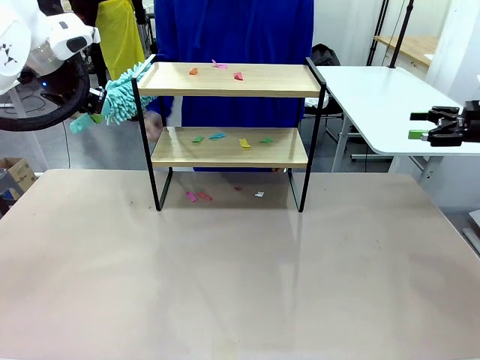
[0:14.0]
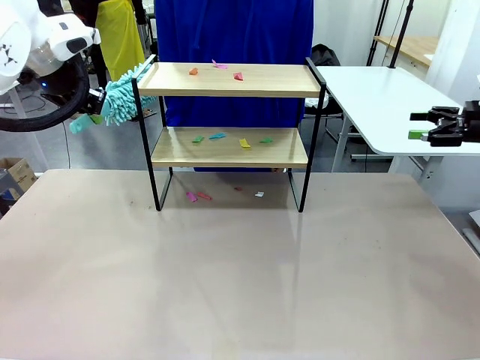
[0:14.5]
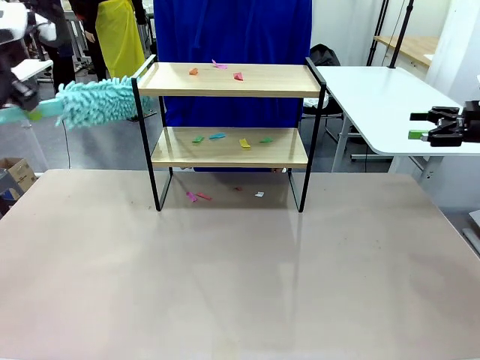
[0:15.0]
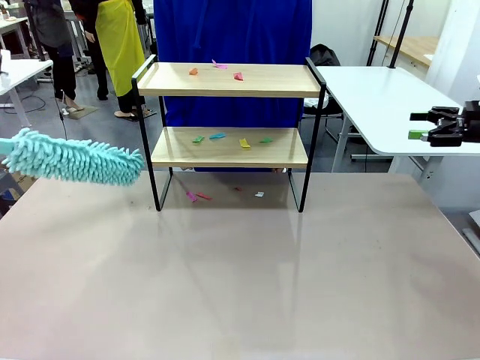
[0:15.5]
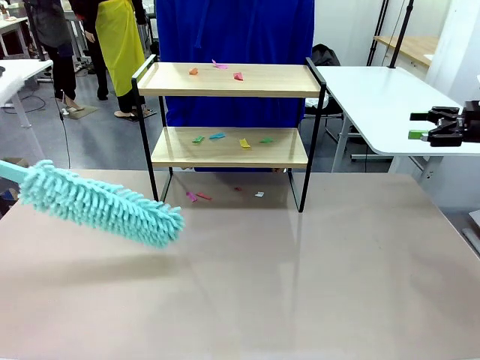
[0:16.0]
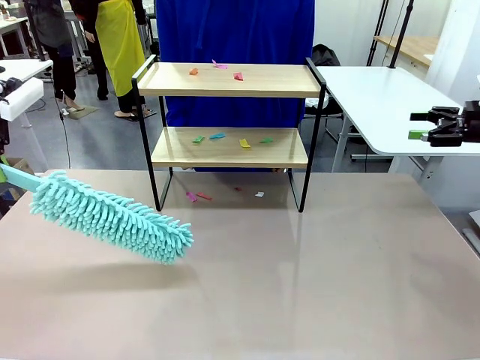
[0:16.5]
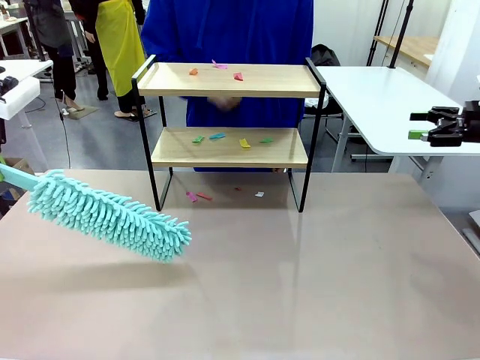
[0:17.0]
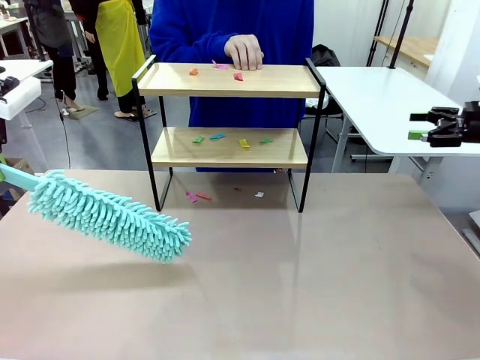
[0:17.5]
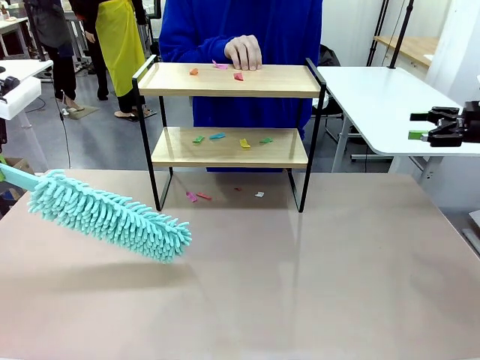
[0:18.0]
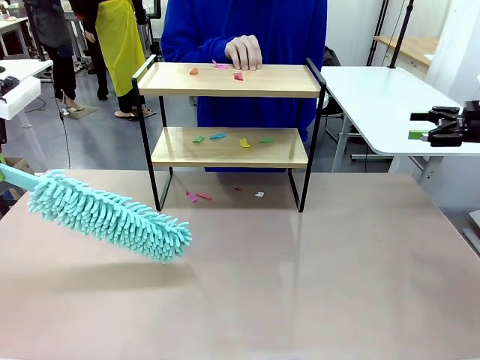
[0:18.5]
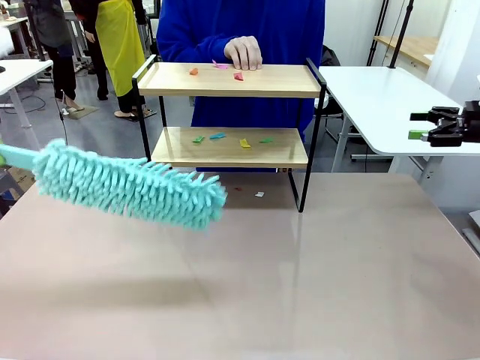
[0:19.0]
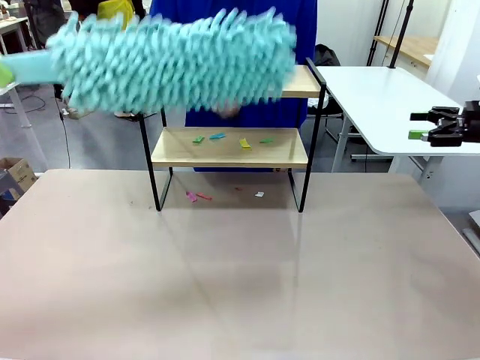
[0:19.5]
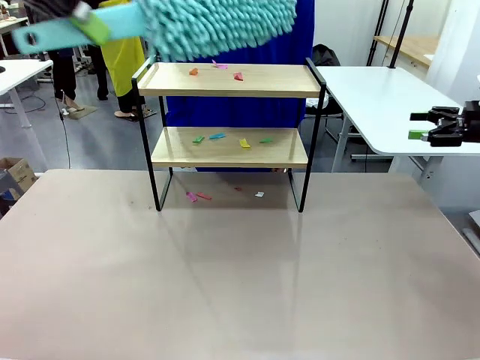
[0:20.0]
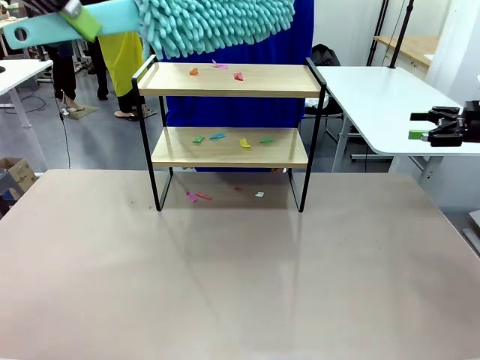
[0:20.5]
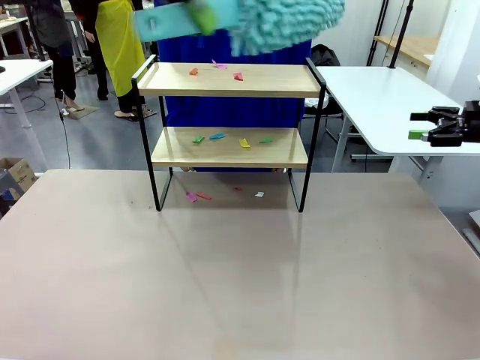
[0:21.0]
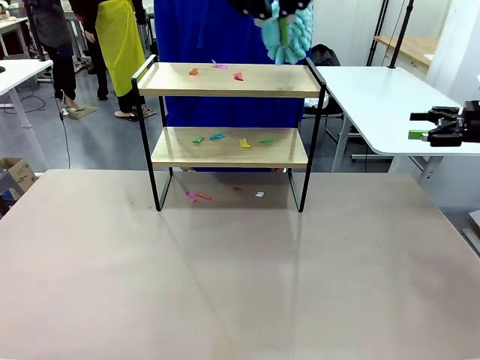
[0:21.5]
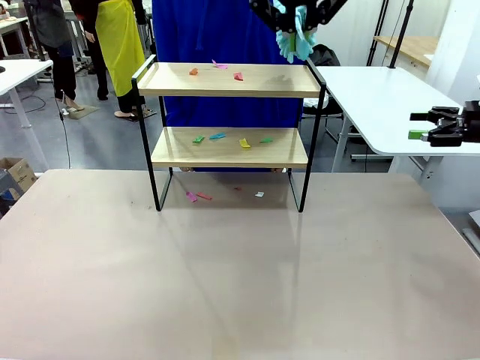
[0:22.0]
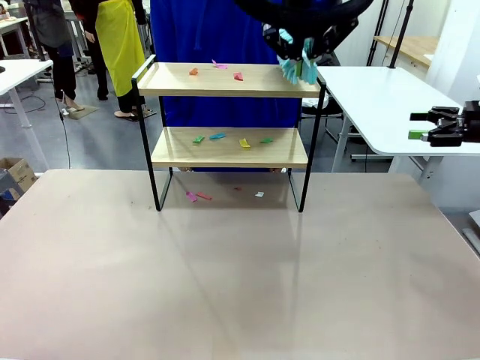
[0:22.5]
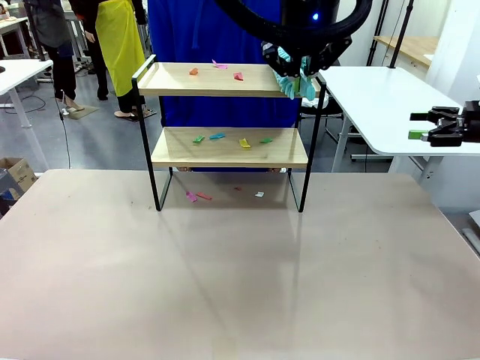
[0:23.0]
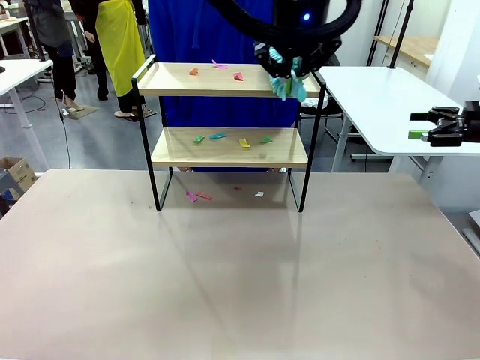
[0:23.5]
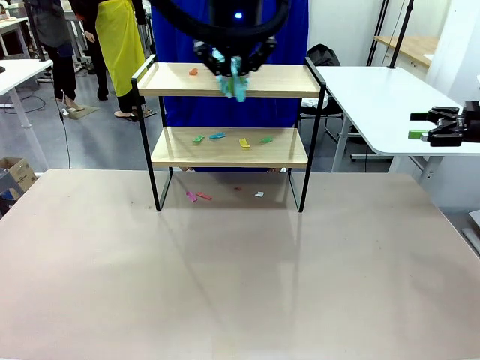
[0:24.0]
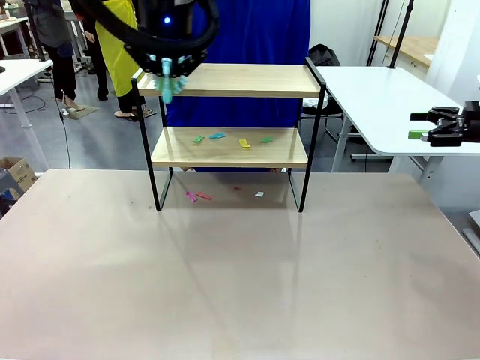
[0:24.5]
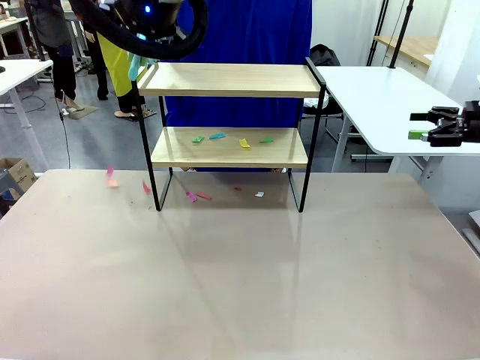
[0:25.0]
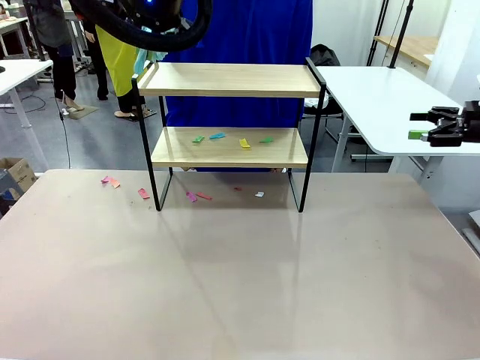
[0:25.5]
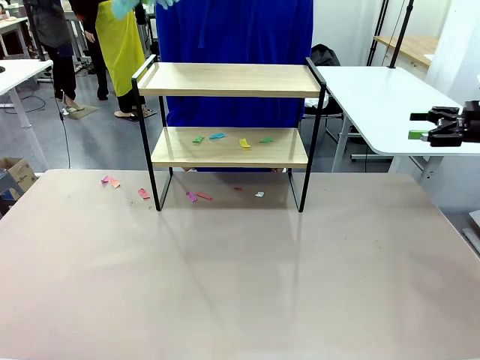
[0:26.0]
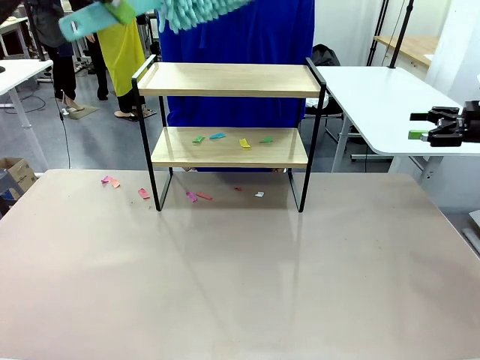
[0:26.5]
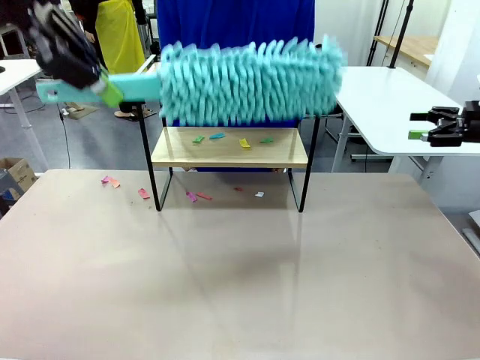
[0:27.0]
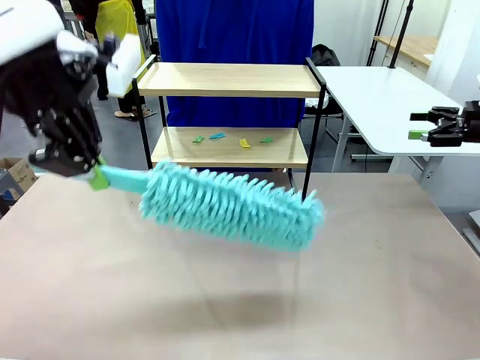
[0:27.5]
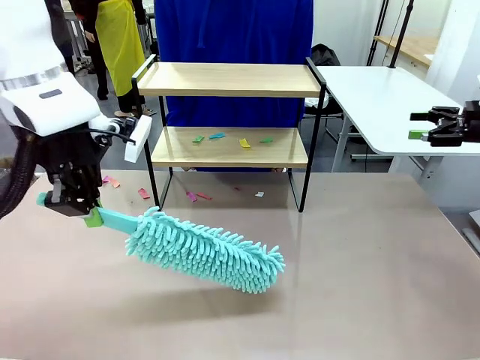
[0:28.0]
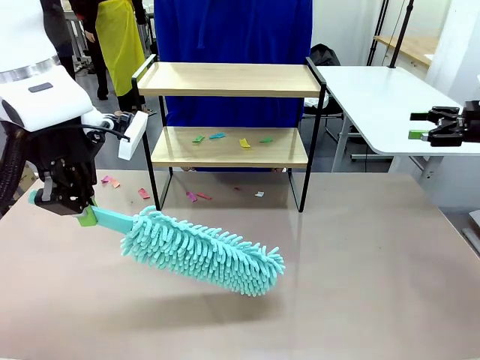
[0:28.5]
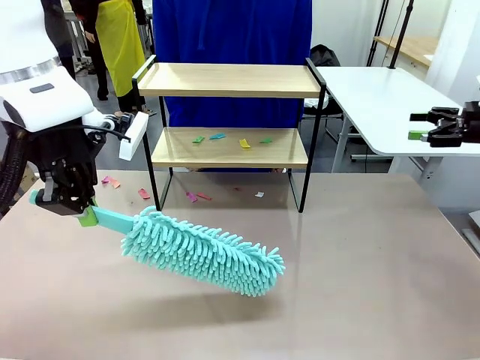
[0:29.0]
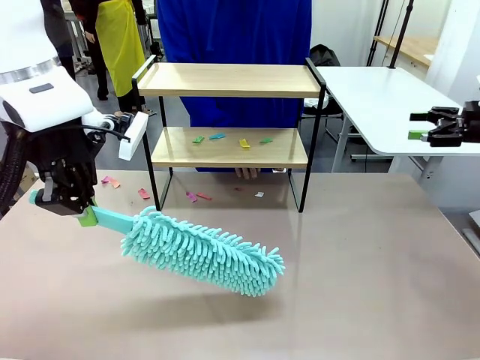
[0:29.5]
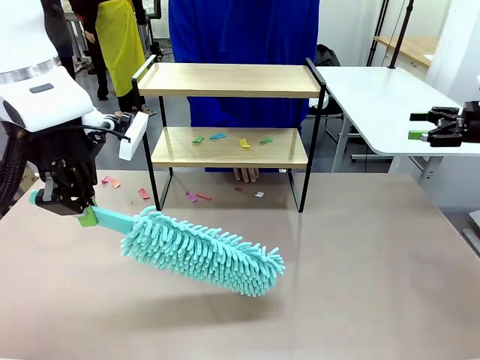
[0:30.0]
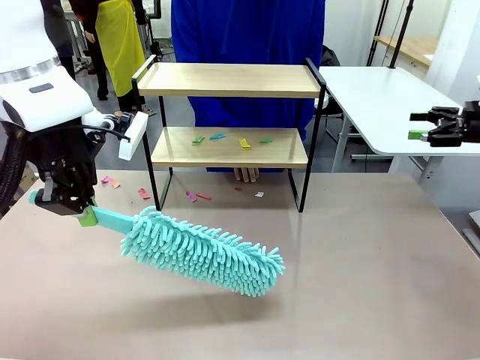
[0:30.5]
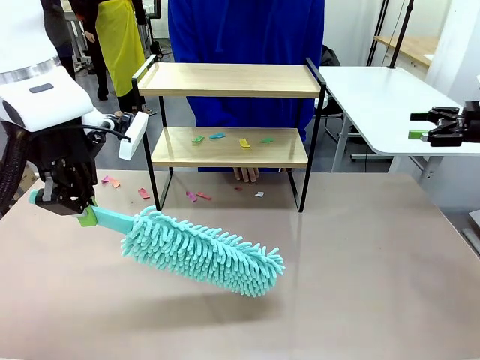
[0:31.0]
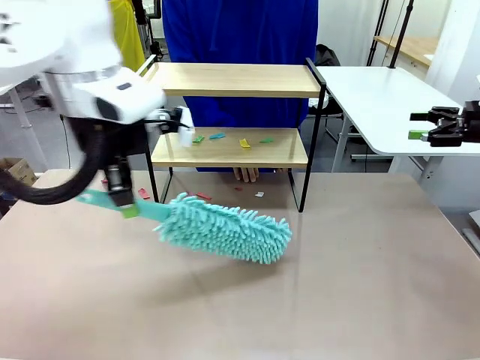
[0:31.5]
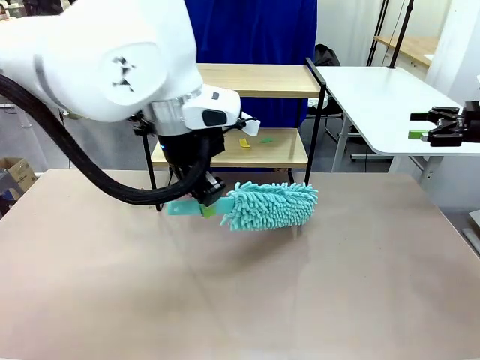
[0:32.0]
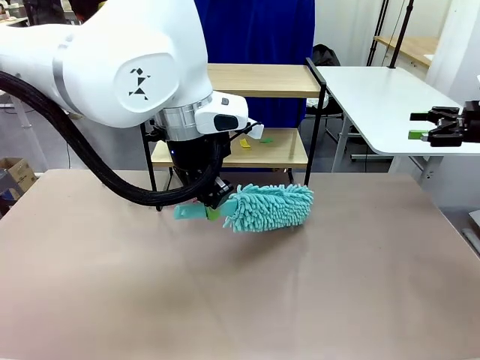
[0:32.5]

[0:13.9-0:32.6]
Task: Clean the shelf.
Robot: Clean the specific section of the Shelf indicated by the human with the Duster.
Person: Point a random section of the Shelf.
